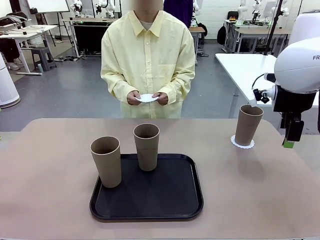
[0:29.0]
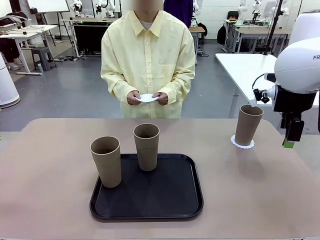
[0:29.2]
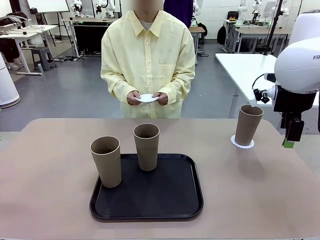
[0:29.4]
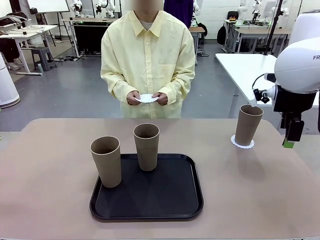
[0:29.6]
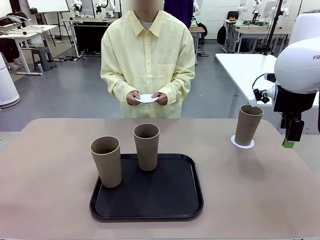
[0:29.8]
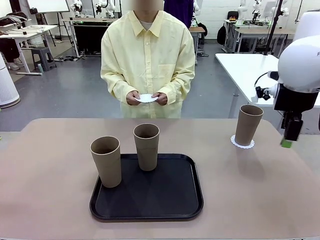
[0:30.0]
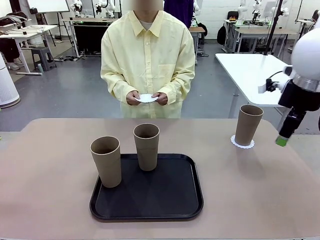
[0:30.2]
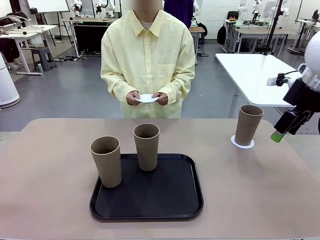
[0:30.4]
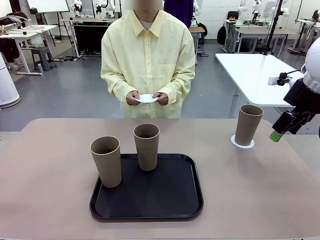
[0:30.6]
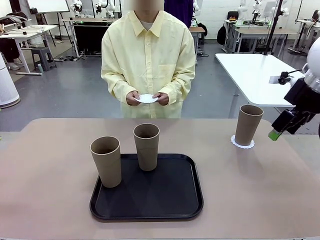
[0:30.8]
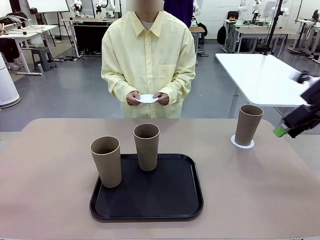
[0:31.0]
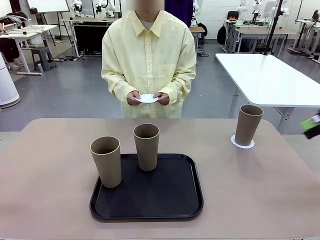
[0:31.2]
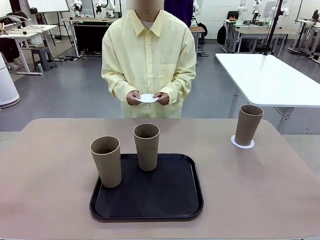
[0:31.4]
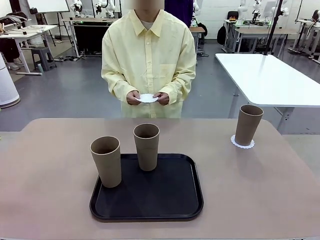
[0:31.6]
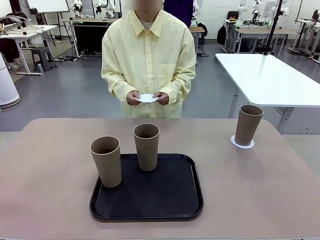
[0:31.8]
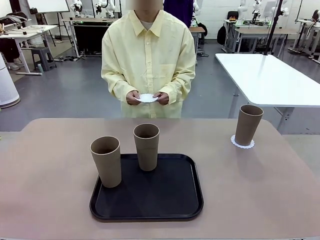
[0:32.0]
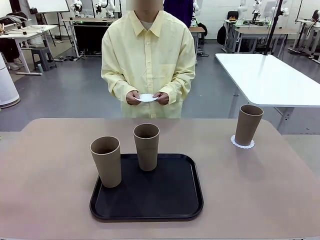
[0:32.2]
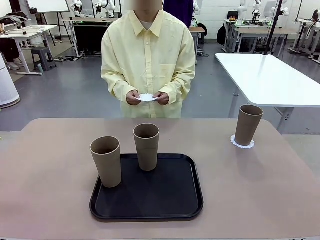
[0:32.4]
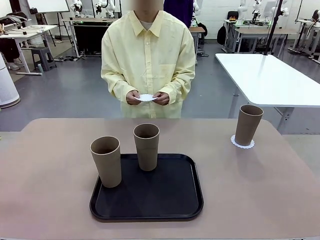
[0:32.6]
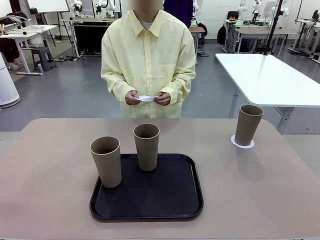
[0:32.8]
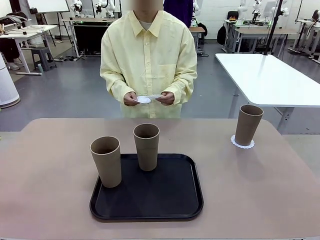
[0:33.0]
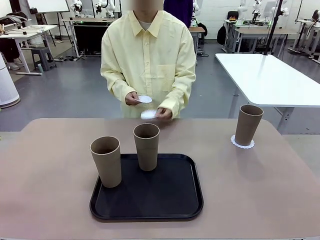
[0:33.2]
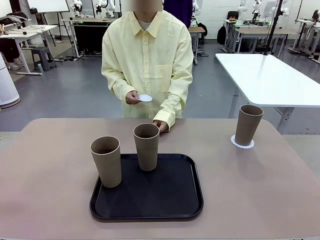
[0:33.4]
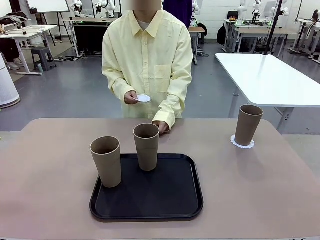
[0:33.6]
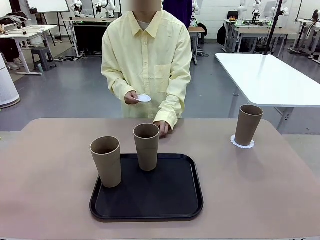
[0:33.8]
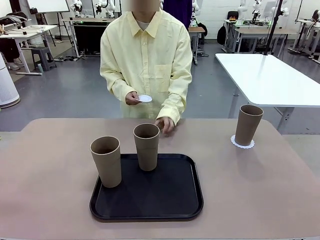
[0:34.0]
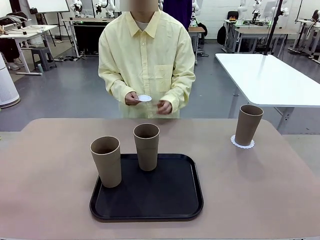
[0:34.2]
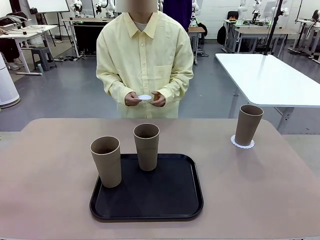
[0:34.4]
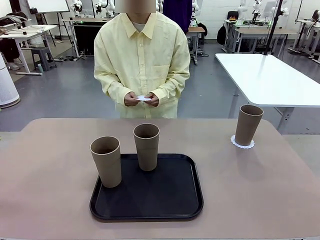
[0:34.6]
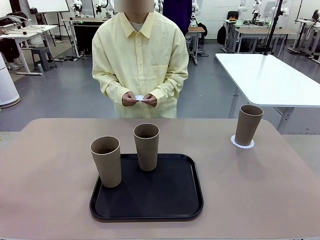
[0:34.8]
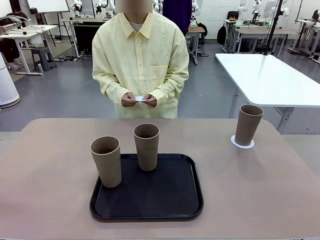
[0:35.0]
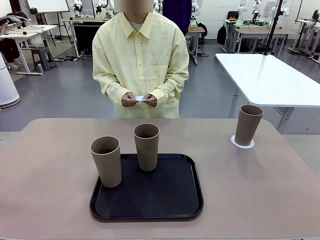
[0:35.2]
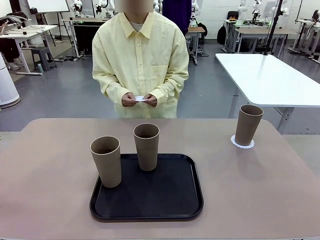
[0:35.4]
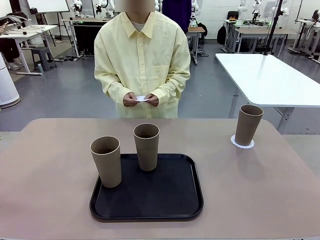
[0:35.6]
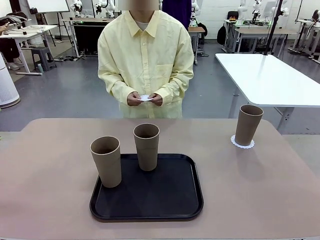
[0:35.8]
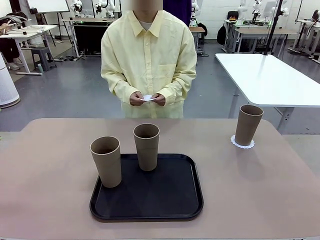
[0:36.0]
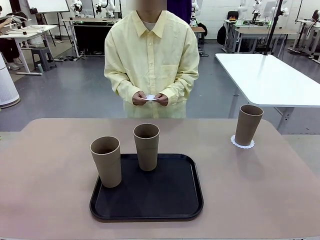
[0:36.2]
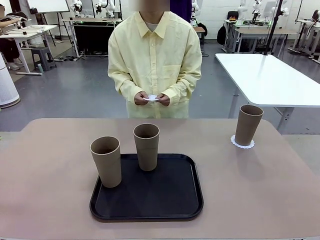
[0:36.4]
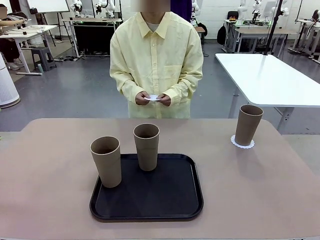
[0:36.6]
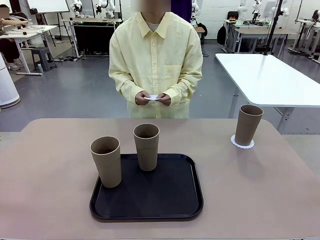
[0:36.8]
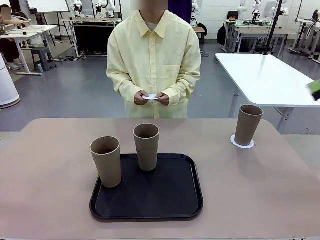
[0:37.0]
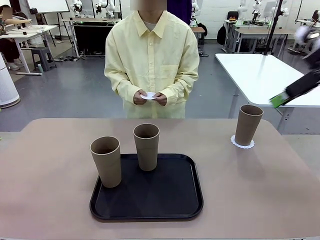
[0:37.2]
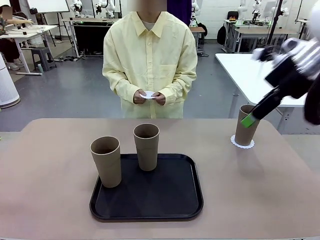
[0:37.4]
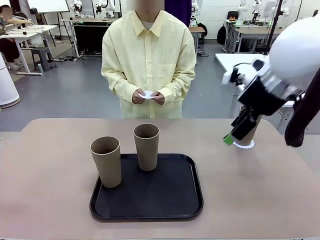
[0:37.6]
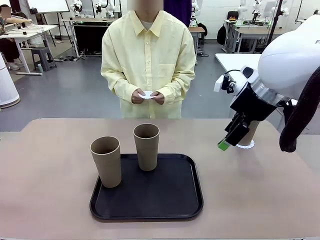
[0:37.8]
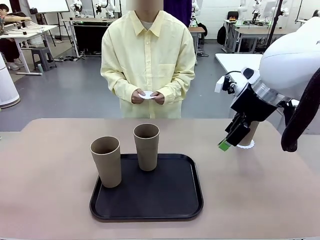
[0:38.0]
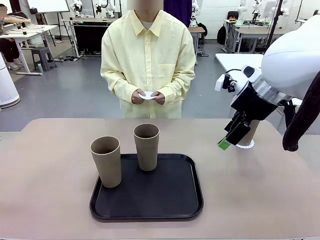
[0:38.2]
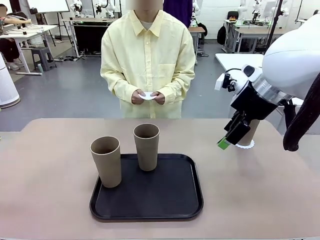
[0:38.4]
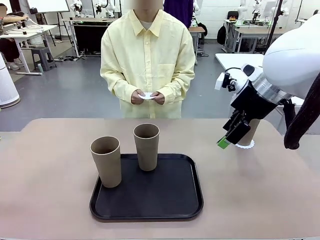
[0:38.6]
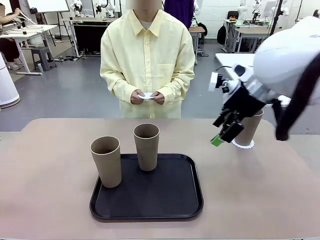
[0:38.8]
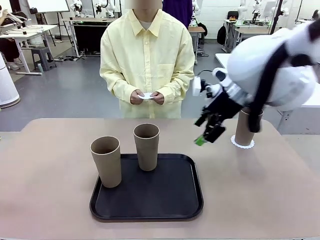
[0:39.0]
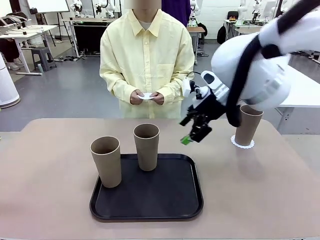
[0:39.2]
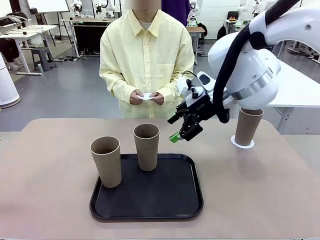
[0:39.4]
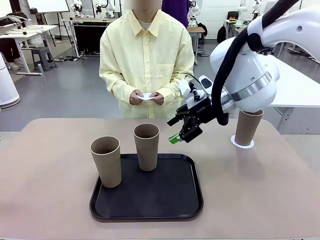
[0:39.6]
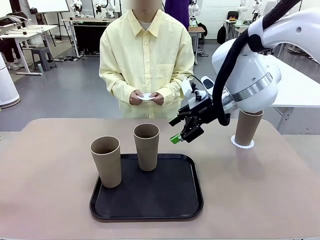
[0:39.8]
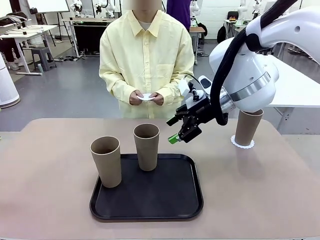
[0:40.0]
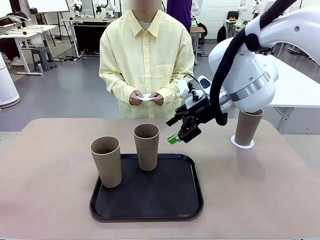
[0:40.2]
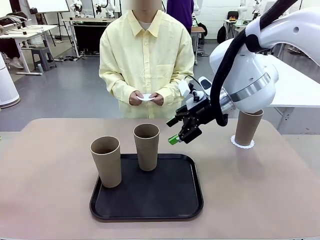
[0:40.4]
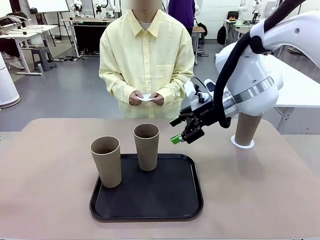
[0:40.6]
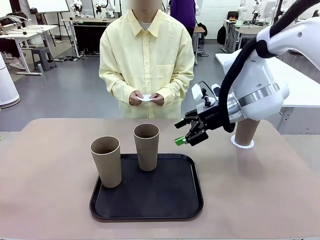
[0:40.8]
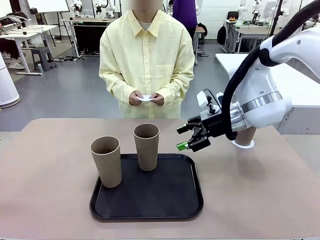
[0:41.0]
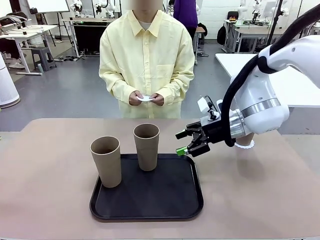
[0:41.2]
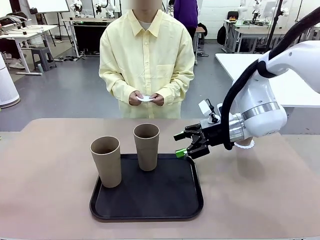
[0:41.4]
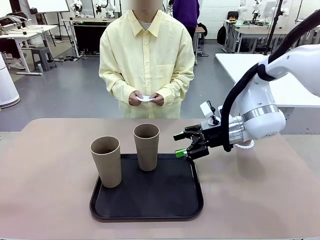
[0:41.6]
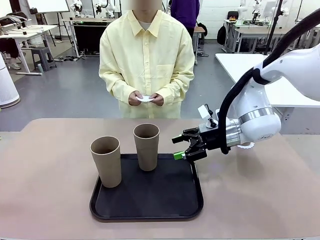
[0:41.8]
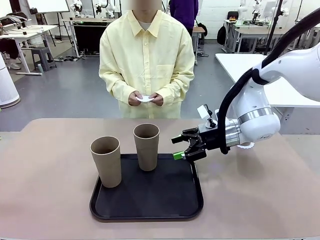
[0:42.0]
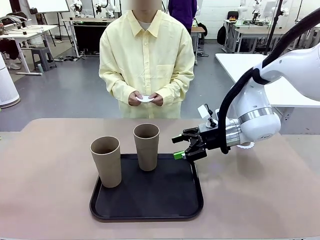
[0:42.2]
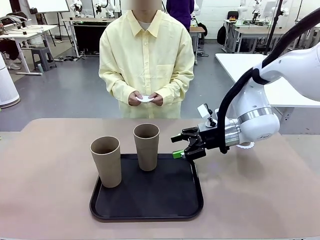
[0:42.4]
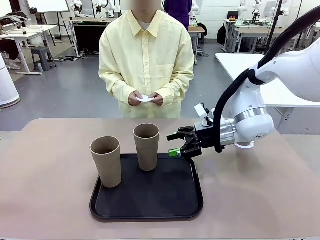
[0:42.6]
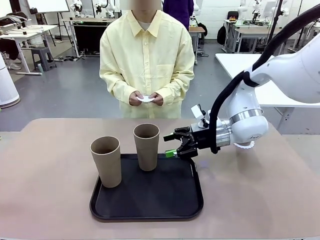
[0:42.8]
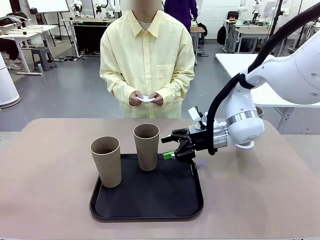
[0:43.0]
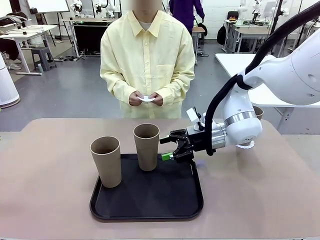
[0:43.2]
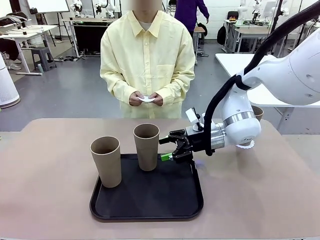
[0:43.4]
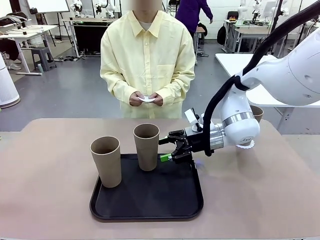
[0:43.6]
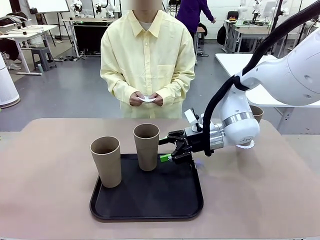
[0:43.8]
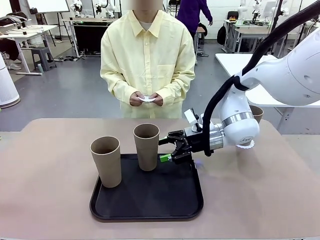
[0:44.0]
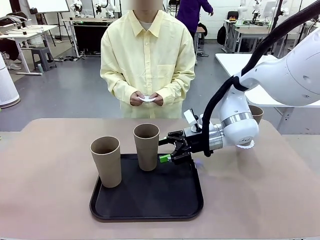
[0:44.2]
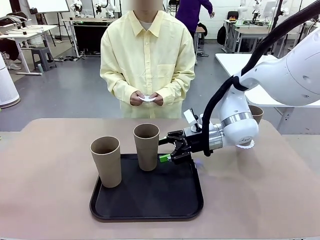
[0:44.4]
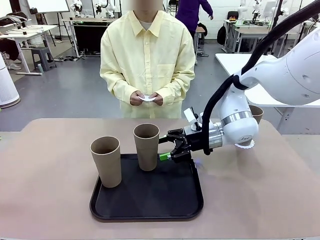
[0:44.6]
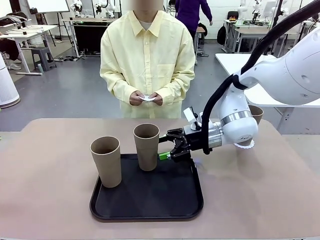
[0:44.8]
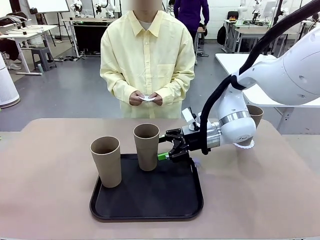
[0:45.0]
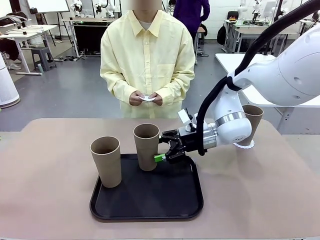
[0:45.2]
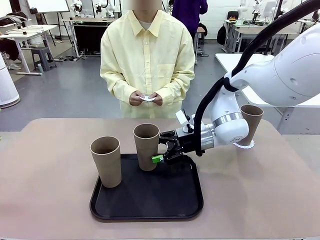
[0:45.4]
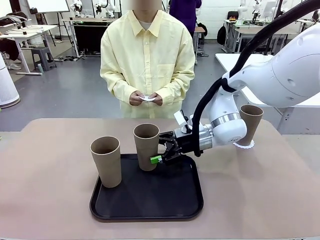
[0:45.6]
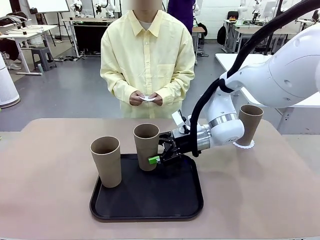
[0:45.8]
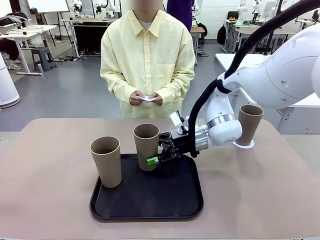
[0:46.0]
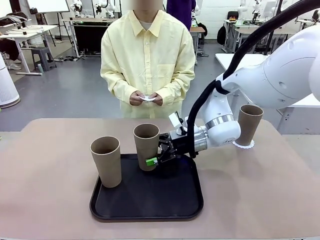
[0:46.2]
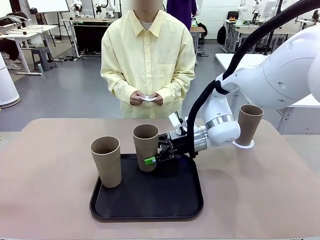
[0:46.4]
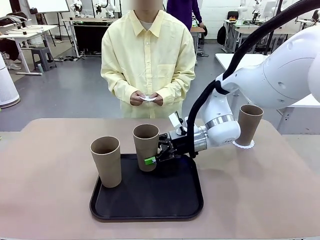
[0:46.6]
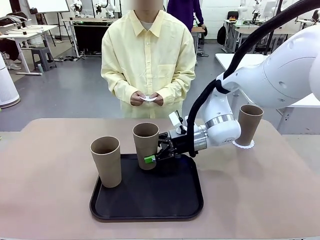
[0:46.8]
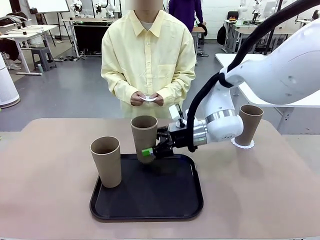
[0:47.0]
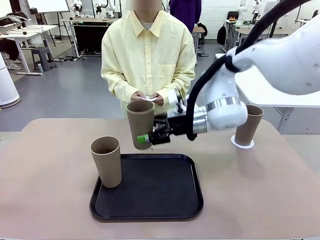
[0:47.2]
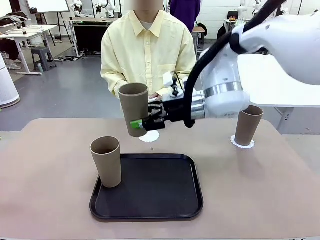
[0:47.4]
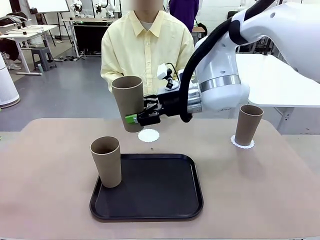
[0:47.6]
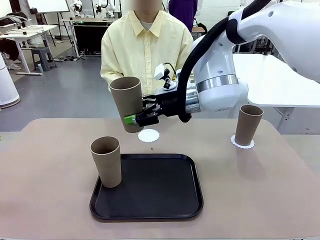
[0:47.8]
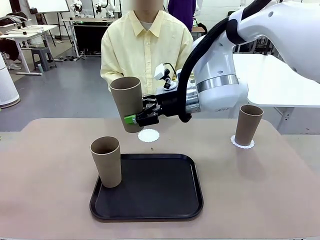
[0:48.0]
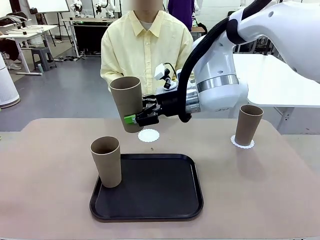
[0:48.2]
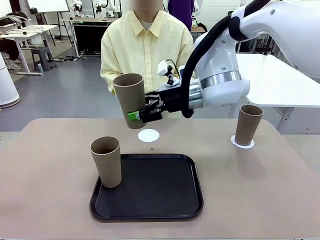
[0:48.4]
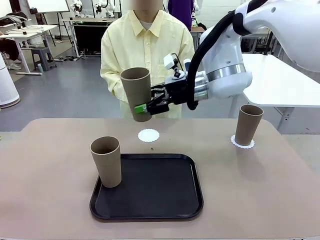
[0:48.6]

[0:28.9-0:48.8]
Task: Place coasters on the table and set cups on them.
Robot: Take one Reusable plastic cup from the Flat Tray and place it on a coaster set by the human.
